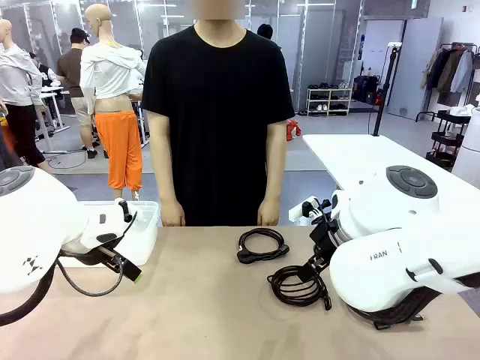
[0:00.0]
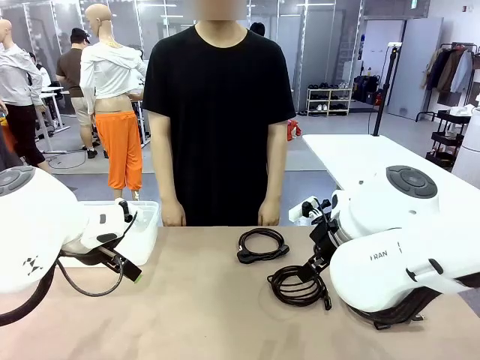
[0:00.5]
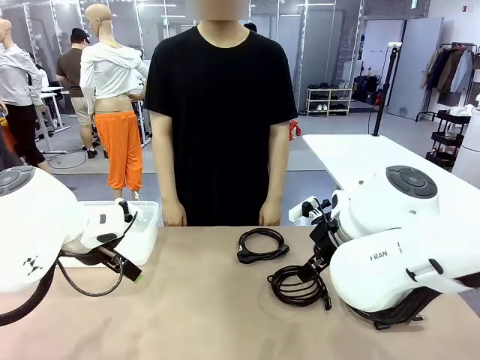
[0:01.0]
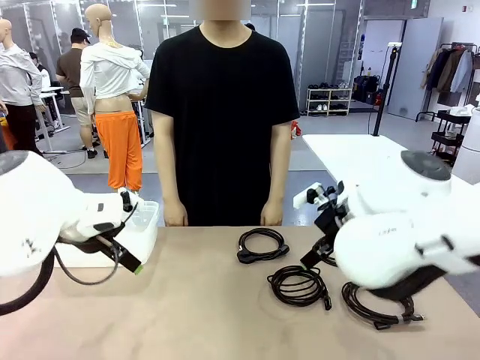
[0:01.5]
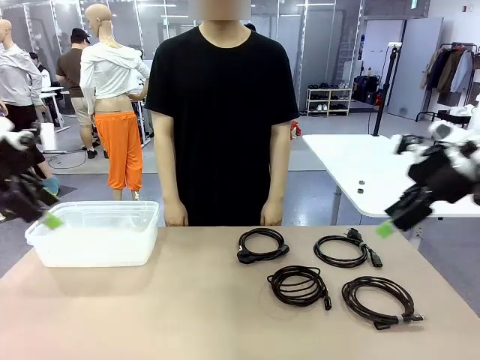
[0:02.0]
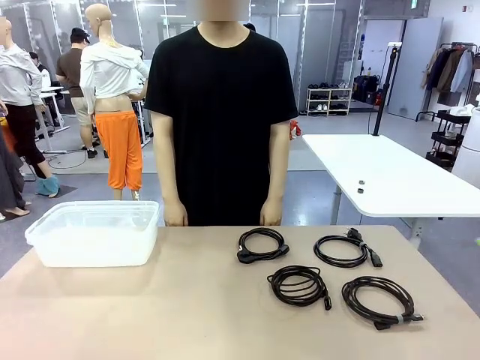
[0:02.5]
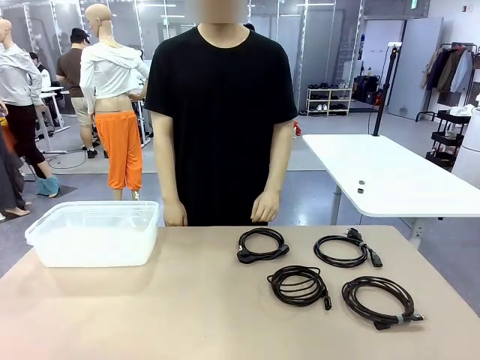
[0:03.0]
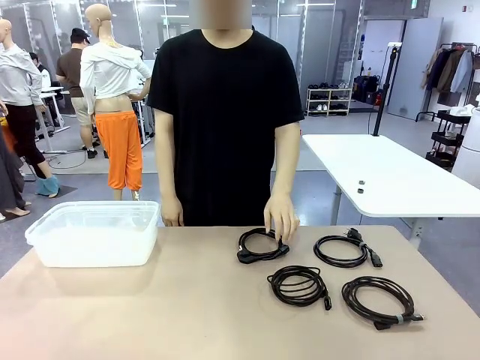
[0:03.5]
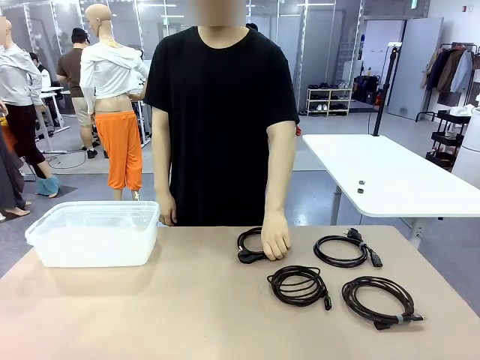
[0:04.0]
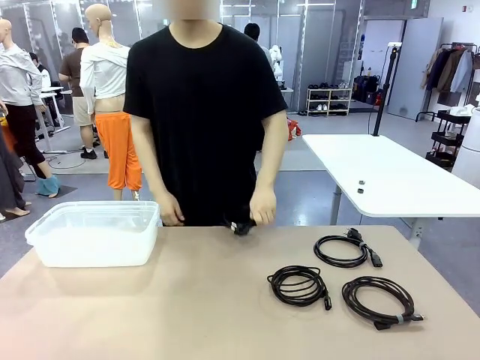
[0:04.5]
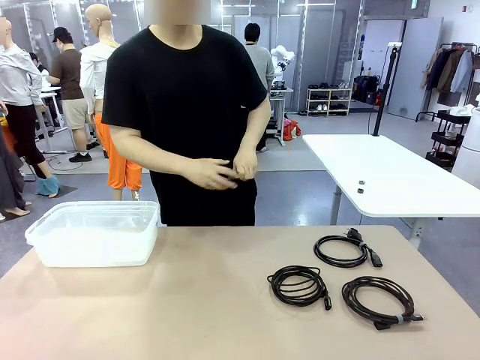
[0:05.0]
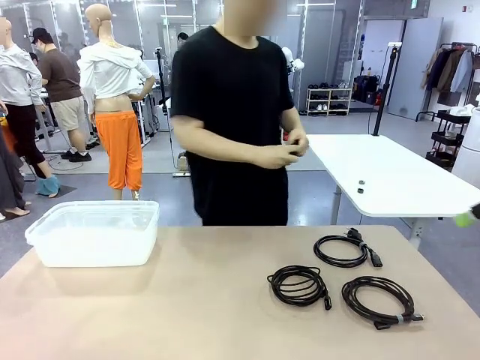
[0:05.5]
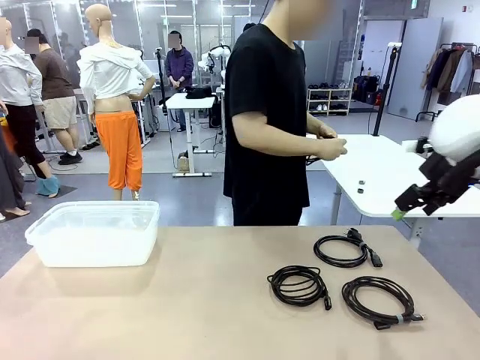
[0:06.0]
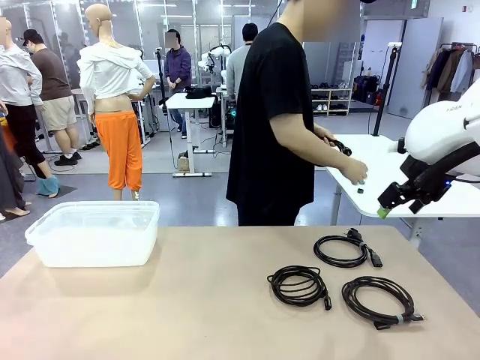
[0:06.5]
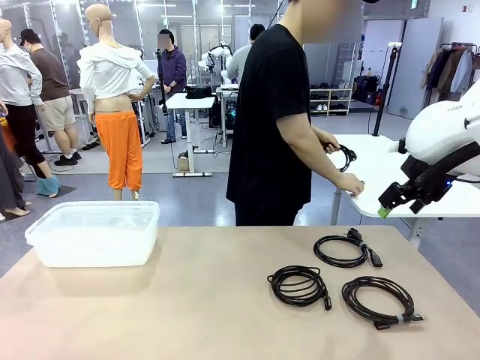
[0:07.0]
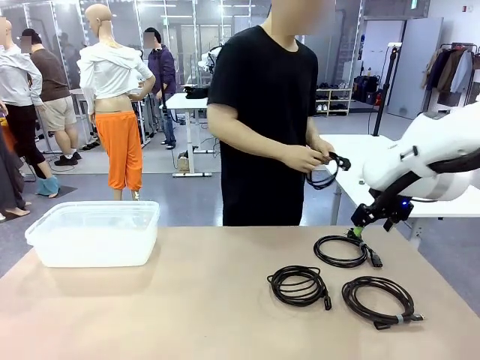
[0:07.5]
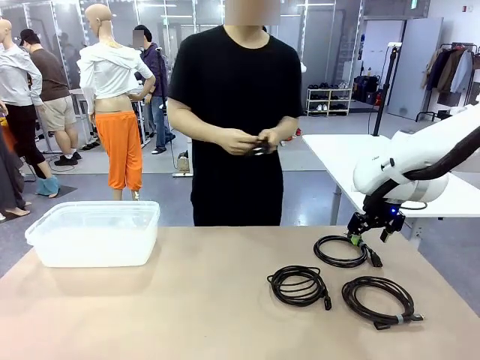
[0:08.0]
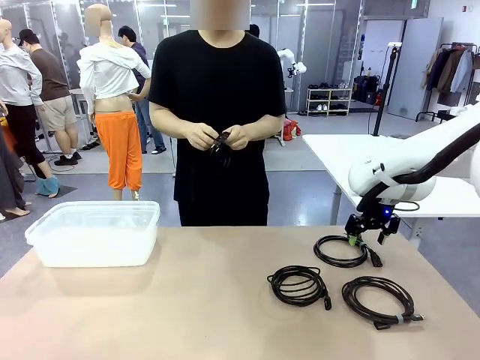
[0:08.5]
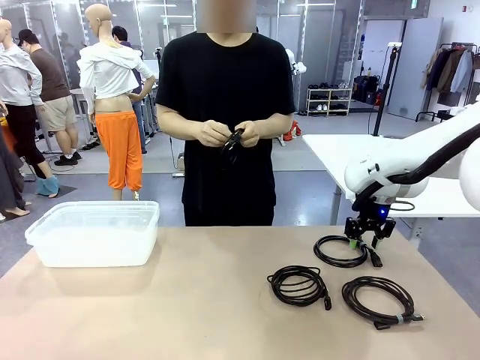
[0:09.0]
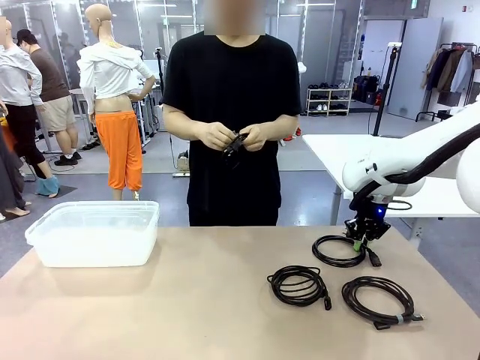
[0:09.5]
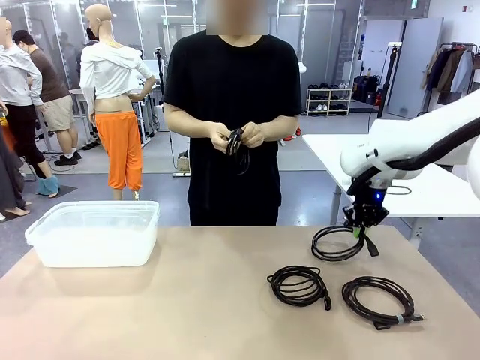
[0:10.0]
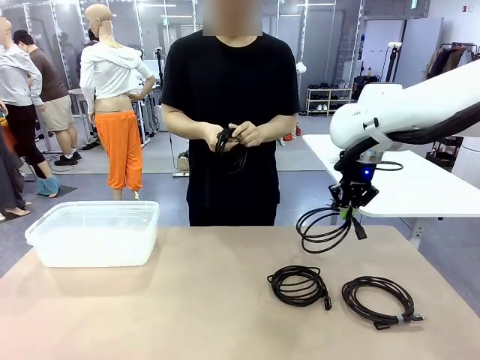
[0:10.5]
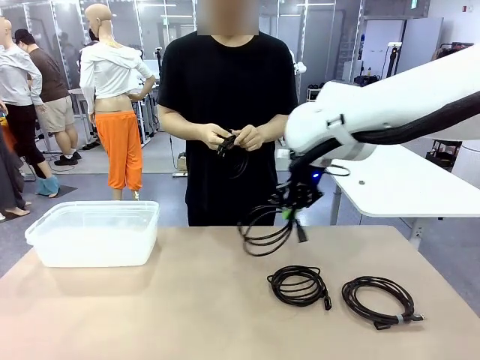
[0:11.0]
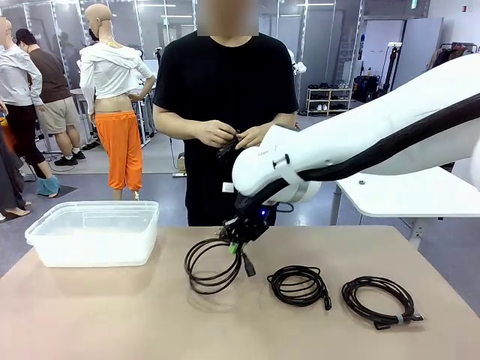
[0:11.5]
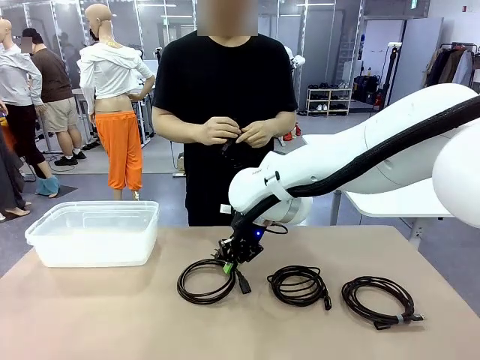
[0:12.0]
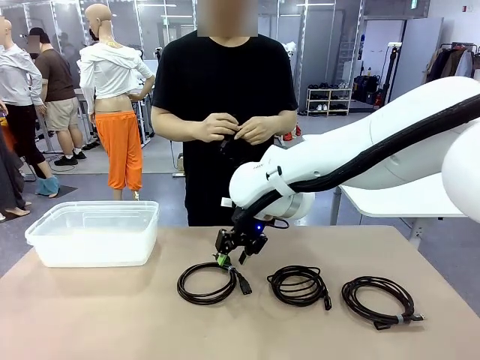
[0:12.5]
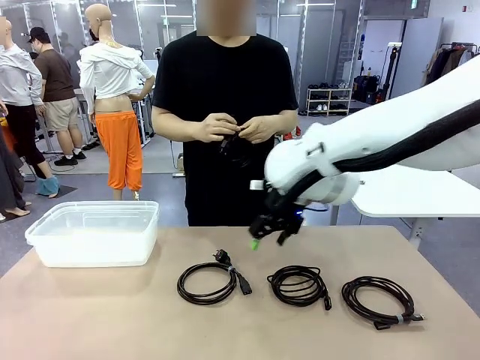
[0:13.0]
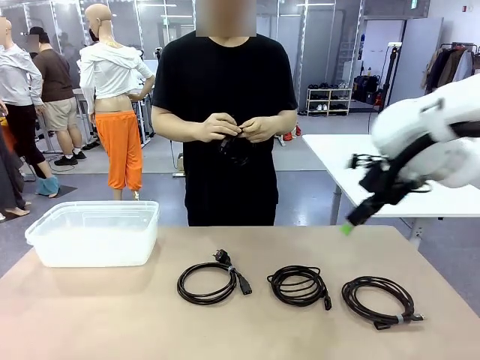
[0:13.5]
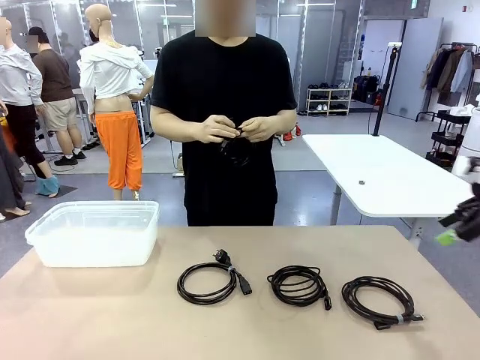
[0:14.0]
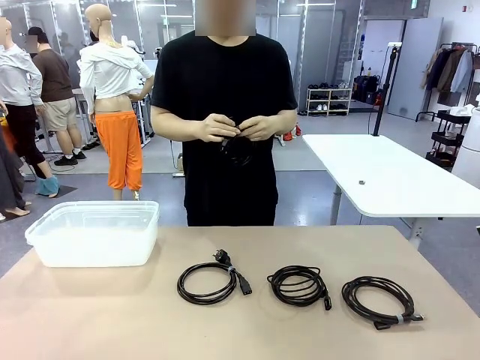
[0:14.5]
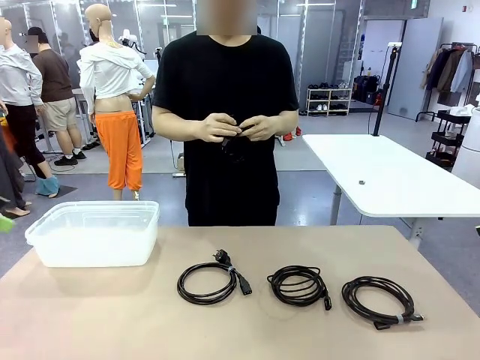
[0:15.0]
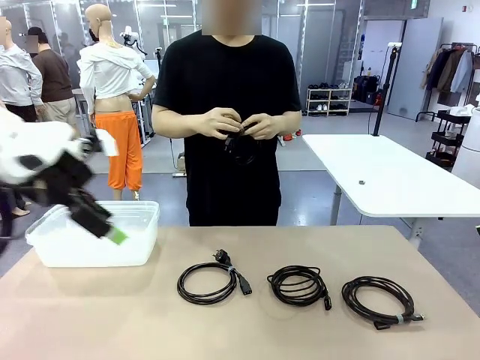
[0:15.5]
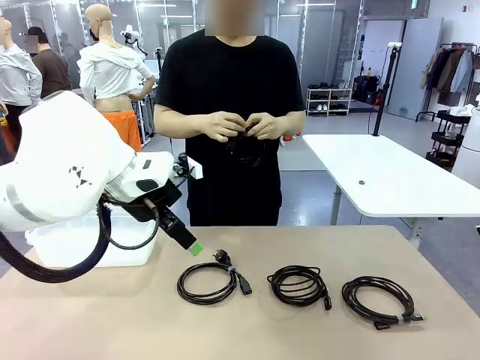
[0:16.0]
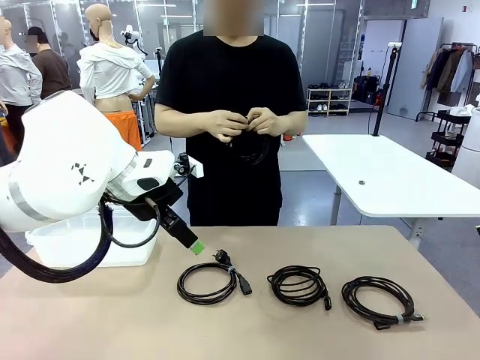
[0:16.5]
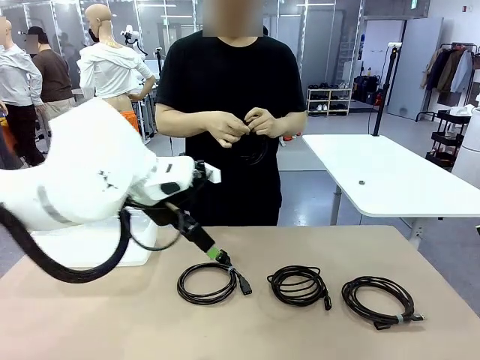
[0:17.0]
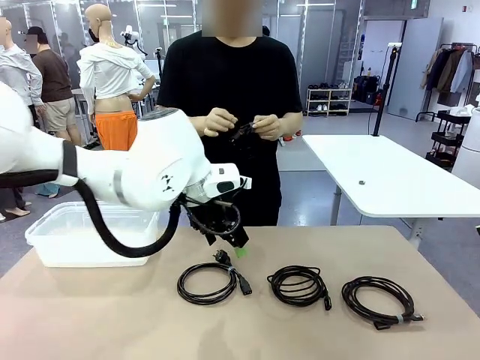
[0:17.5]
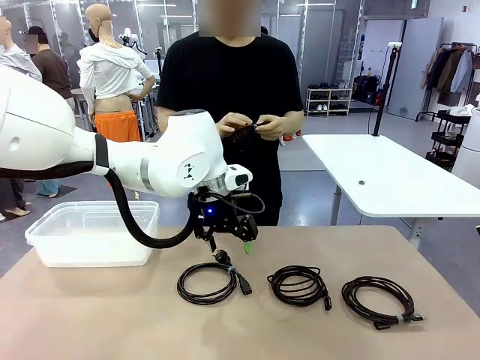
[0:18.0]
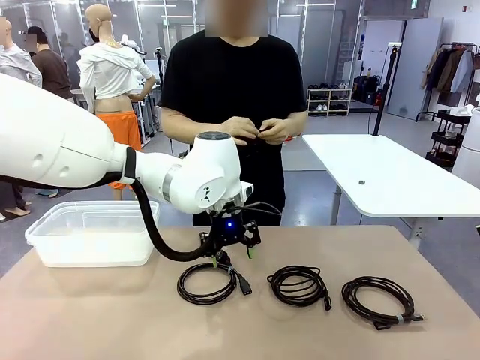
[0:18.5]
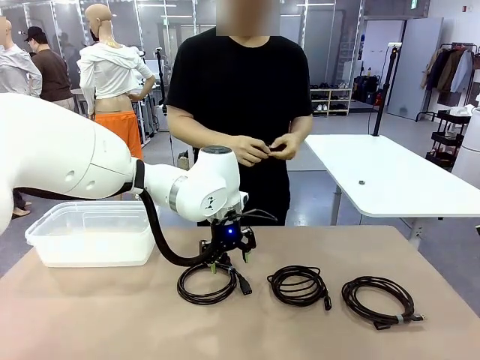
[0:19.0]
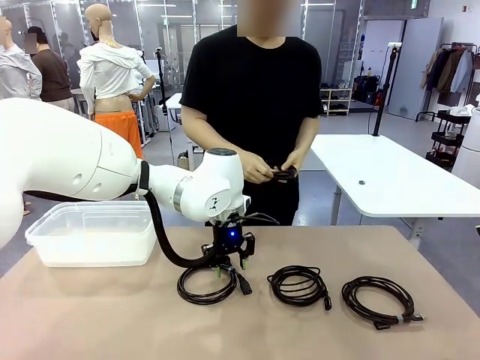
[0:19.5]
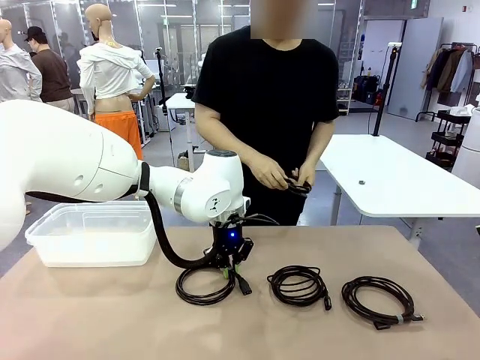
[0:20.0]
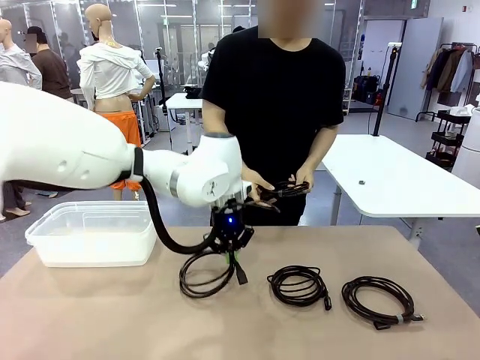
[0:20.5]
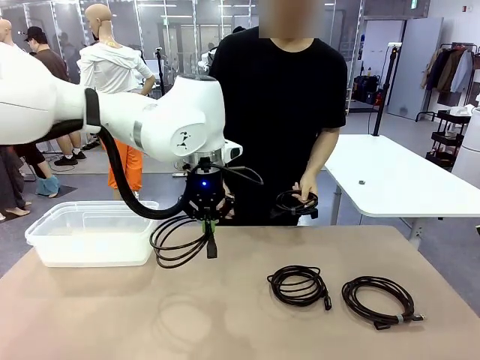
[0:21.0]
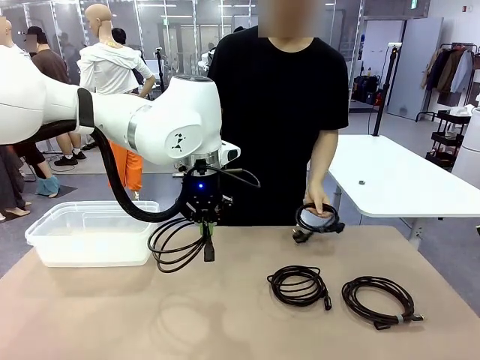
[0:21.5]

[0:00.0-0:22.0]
Task: Organize and store the cables.
Robot: Place the Power Cable into the Organizing box.
Person: Tie one Power Cable with a Reusable Cable Tie.
